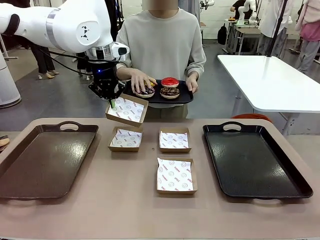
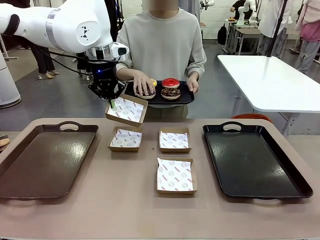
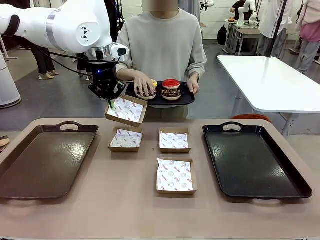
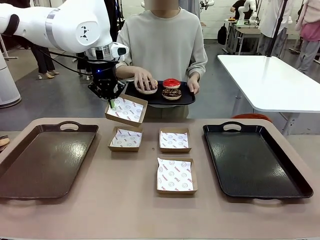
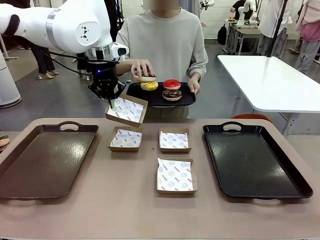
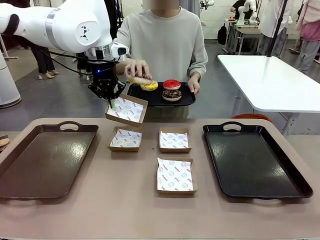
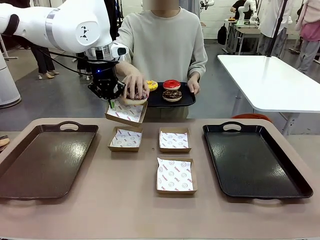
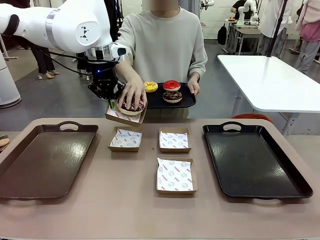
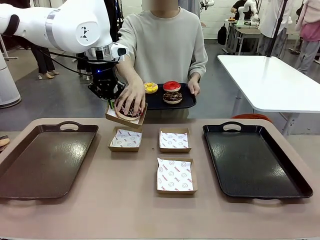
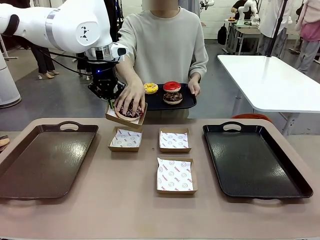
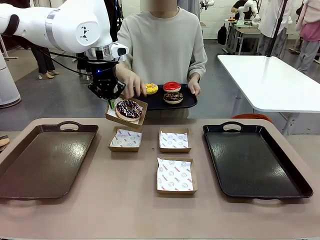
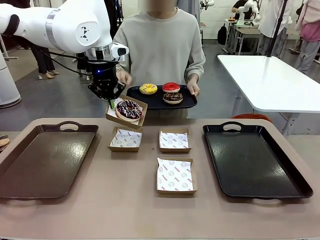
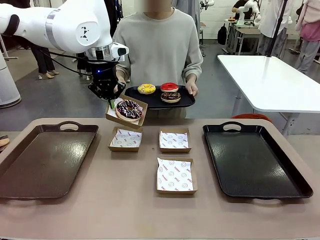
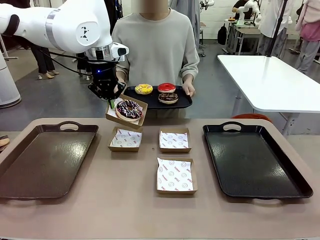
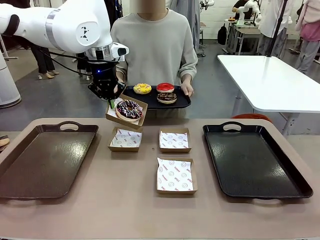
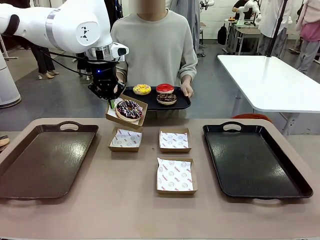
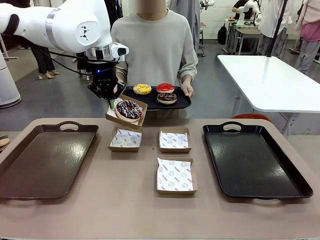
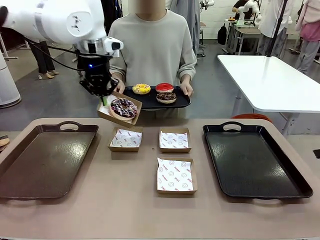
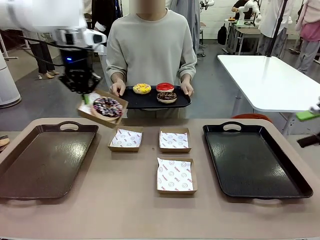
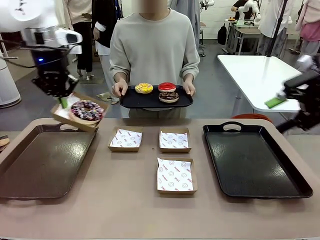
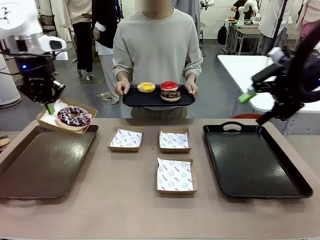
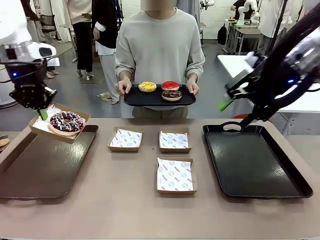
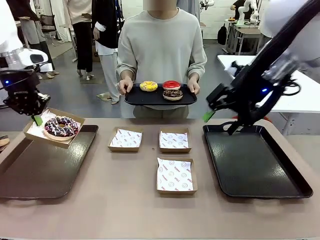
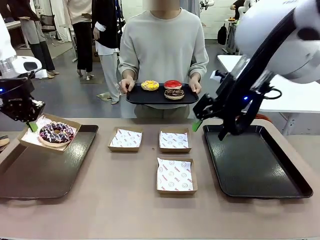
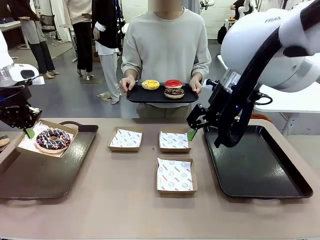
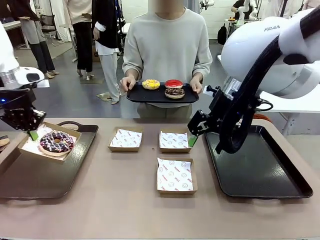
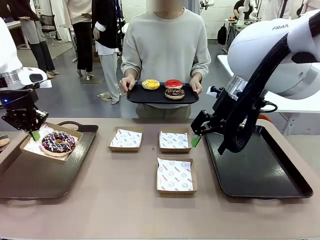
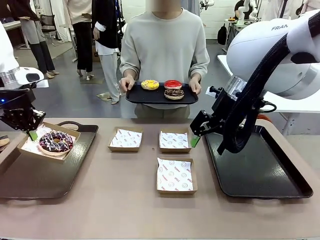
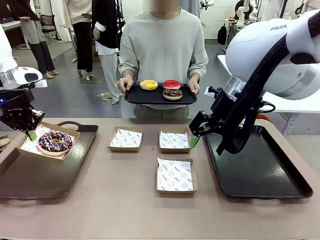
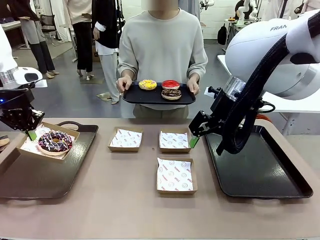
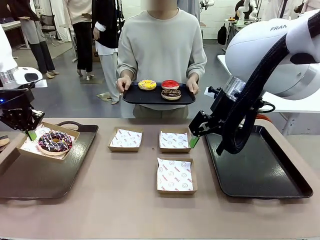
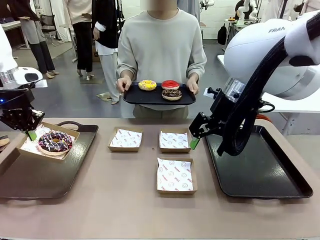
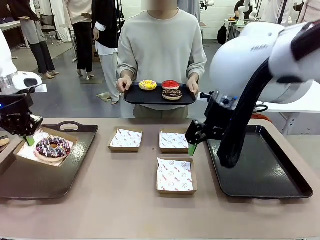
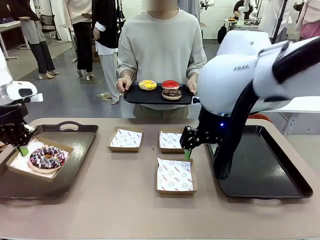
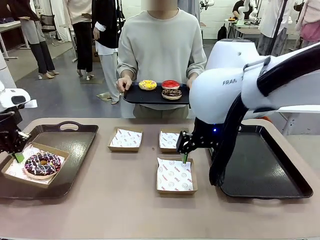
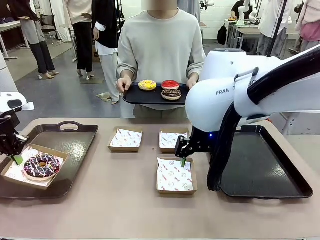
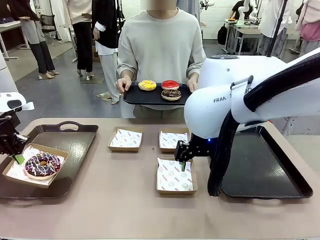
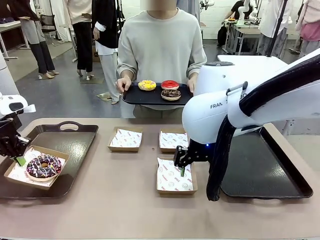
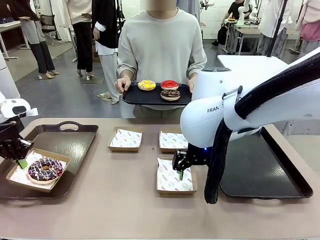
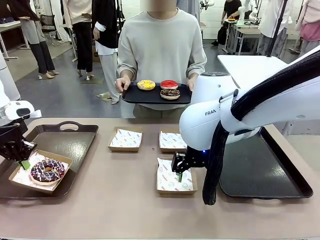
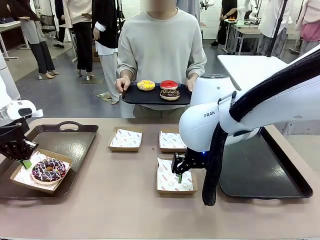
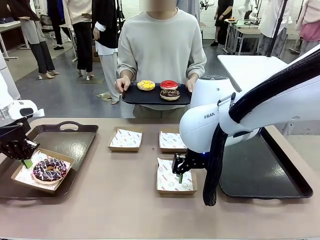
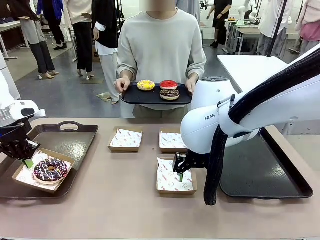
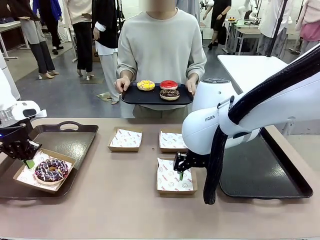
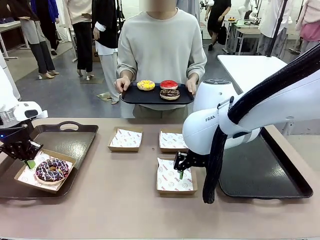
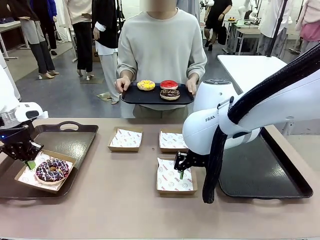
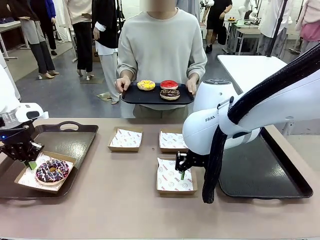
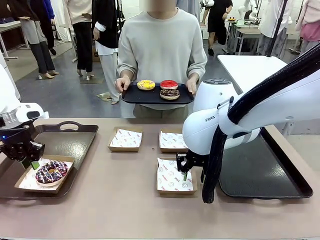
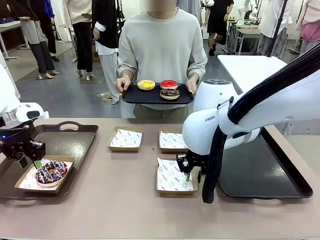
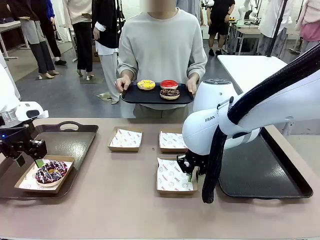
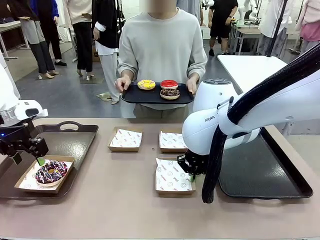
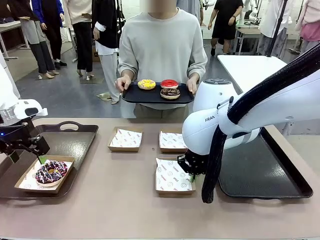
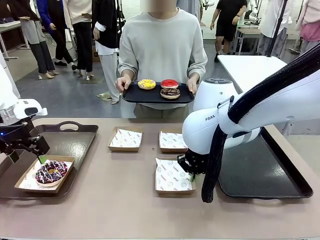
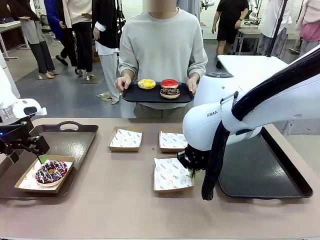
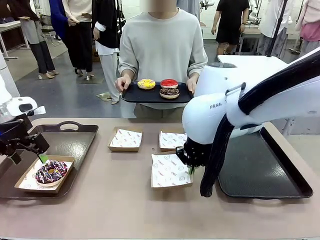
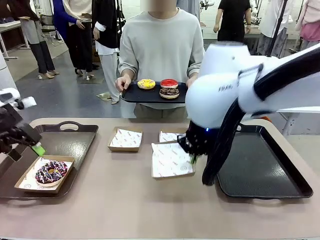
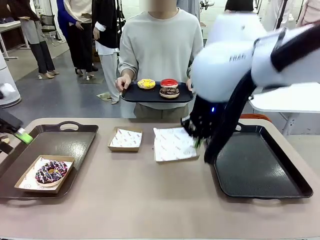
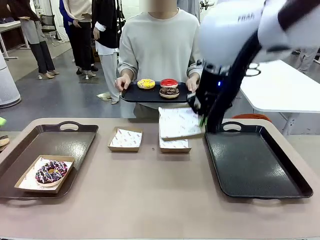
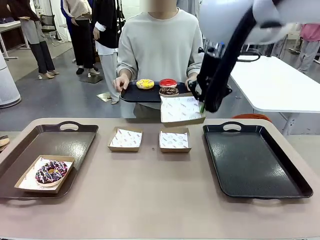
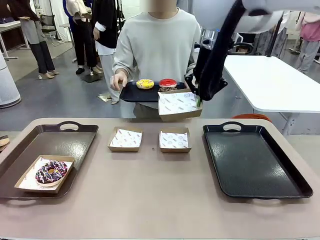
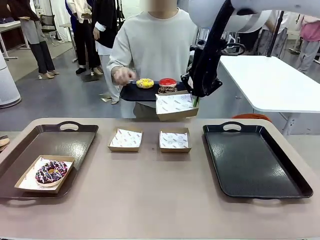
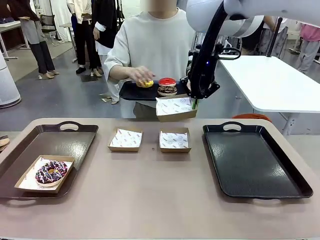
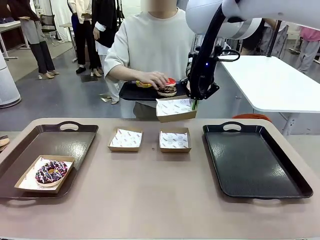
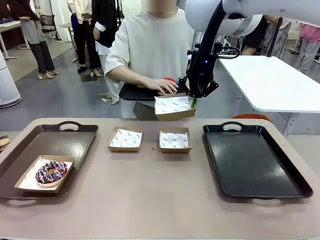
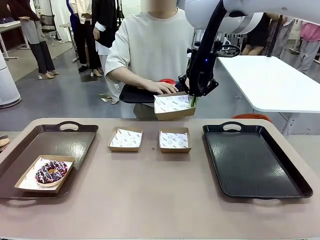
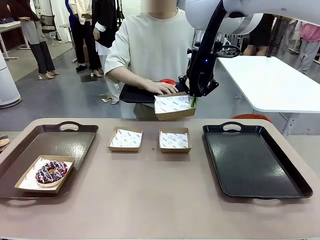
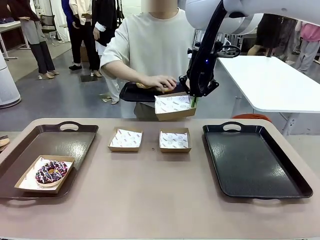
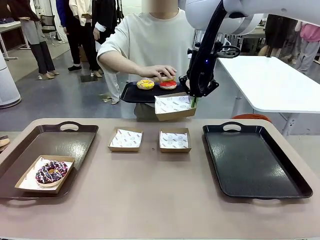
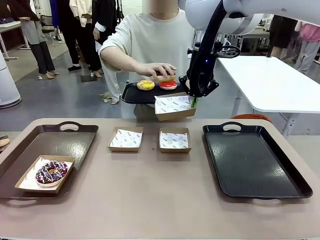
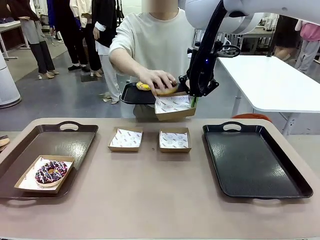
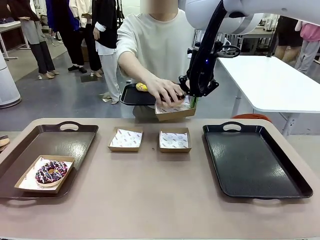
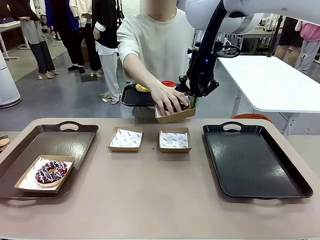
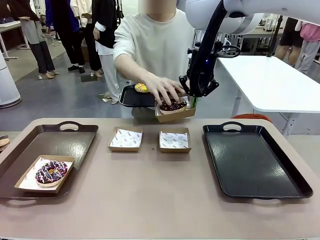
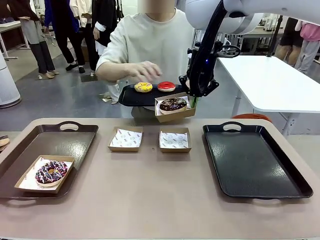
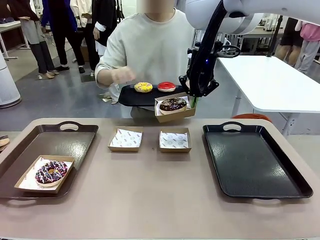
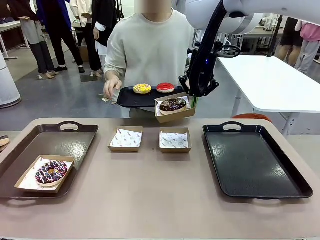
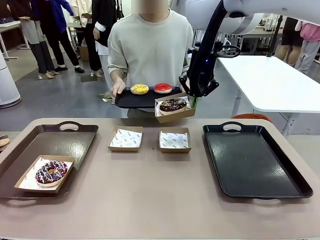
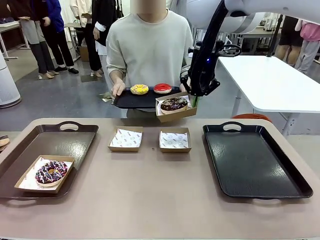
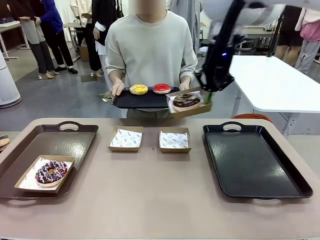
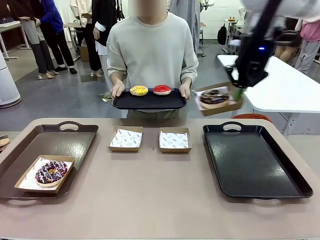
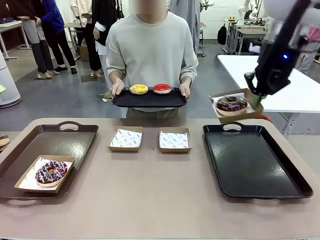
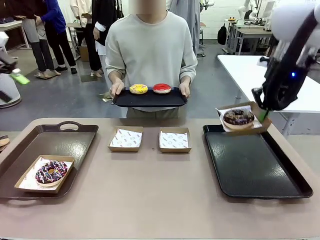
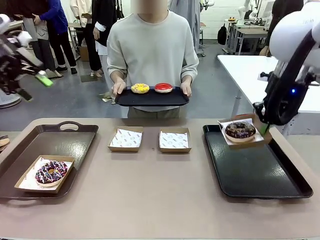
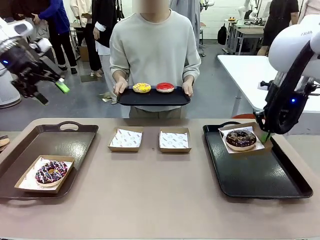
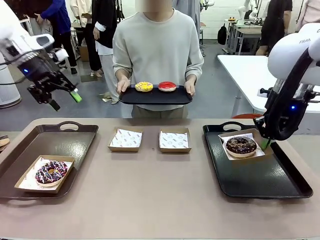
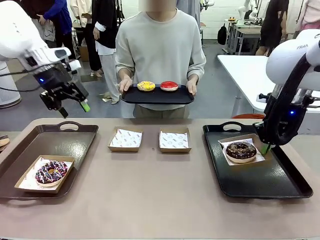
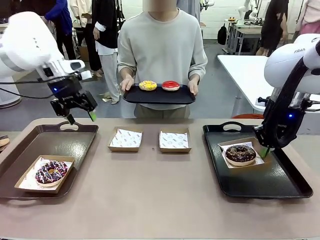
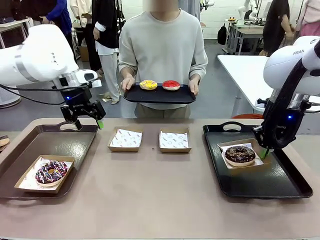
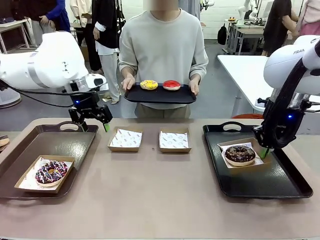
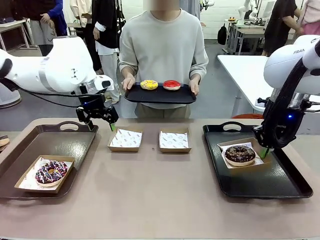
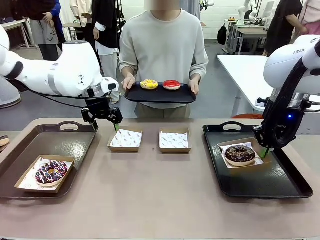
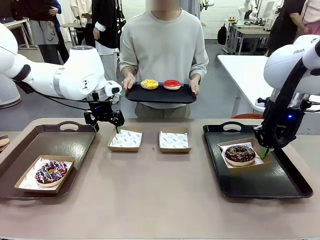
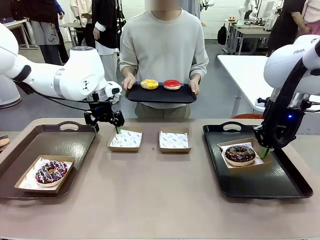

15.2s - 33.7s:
Task: Individually package the donuts and arrange them on the tray.
Robot: Place the picked Paper togo box on the Handle tray while simultaneously picking up another Paper togo box from the table with the other hand.
